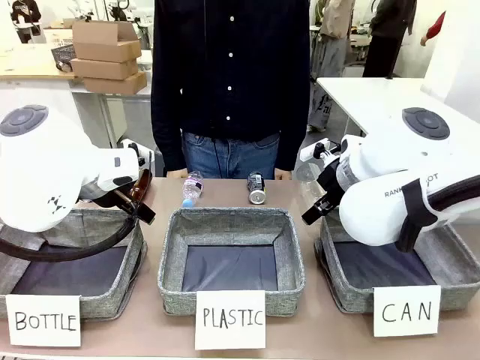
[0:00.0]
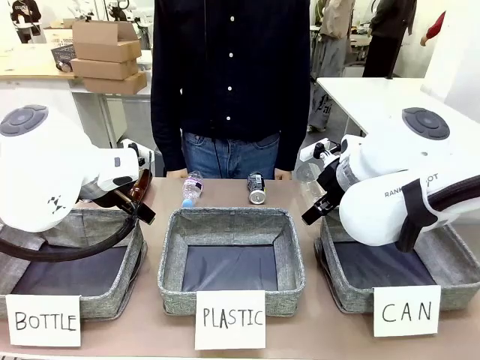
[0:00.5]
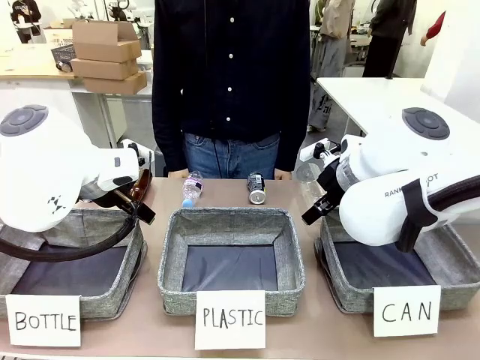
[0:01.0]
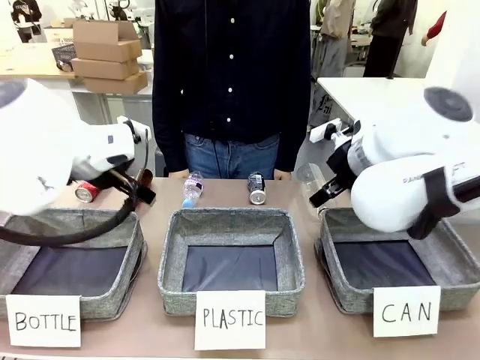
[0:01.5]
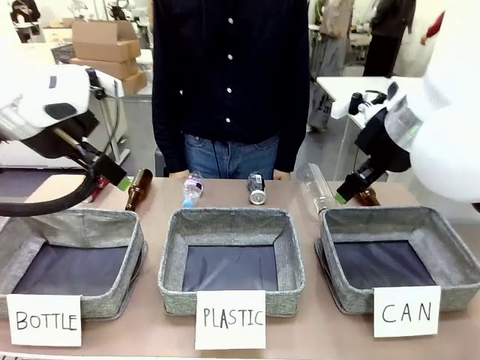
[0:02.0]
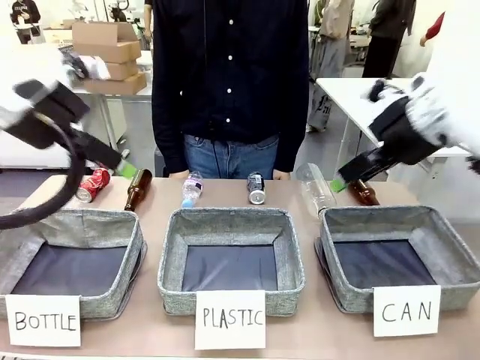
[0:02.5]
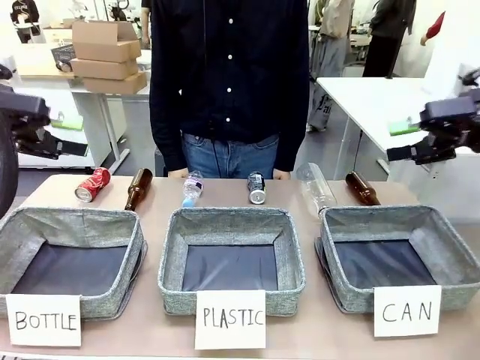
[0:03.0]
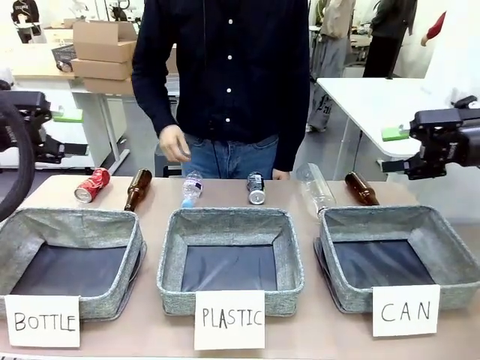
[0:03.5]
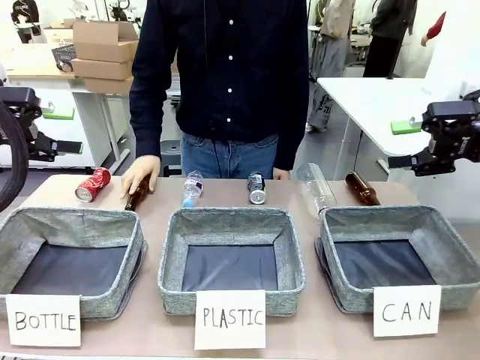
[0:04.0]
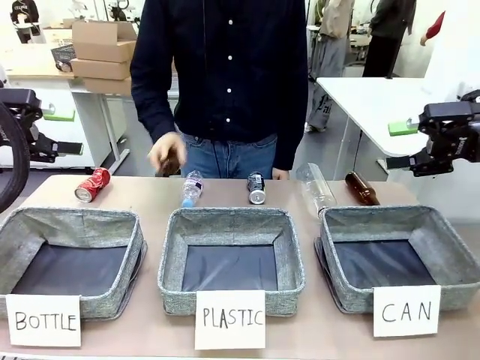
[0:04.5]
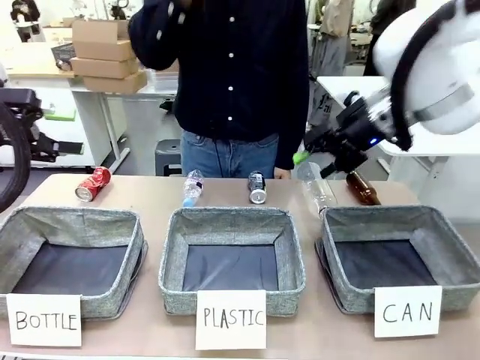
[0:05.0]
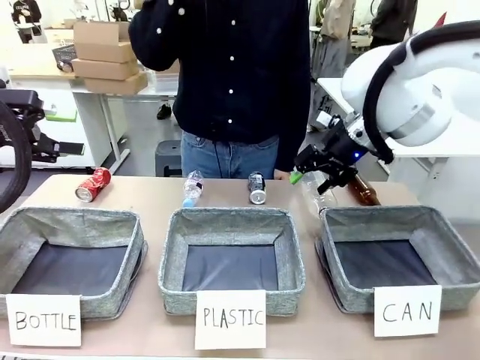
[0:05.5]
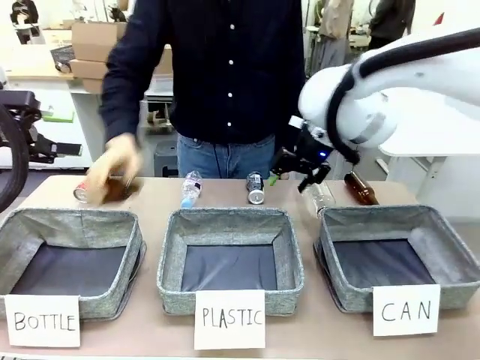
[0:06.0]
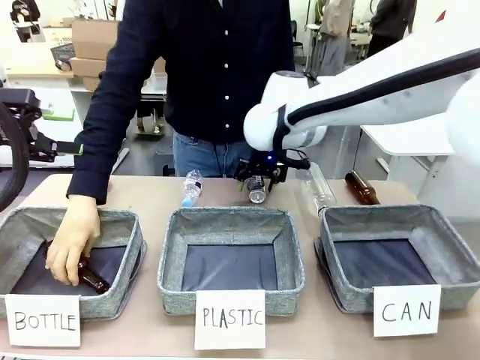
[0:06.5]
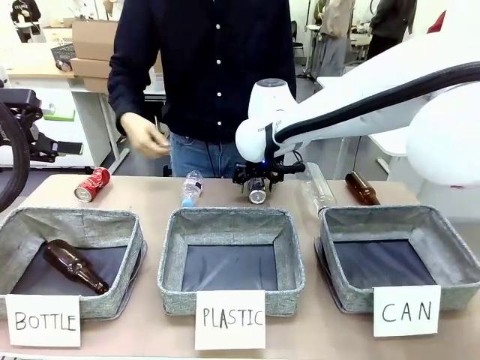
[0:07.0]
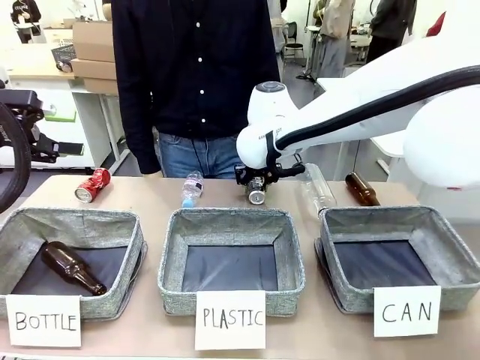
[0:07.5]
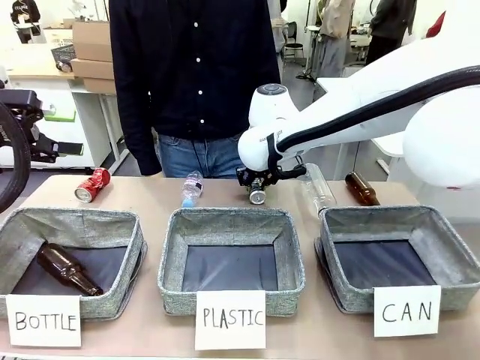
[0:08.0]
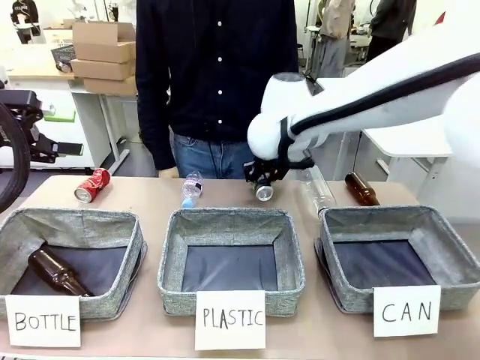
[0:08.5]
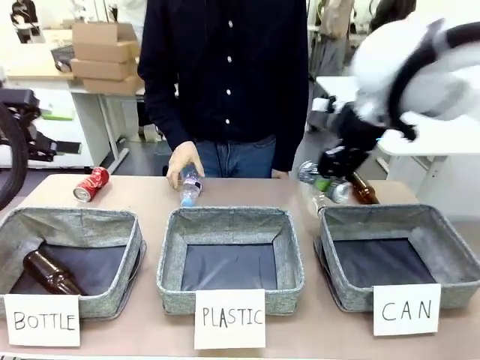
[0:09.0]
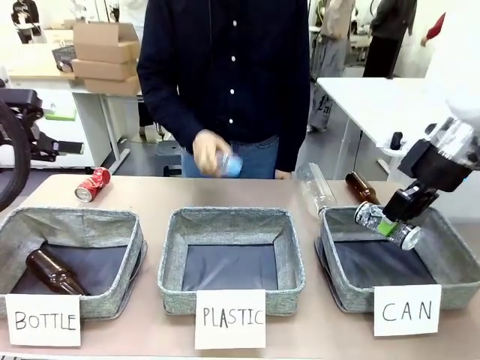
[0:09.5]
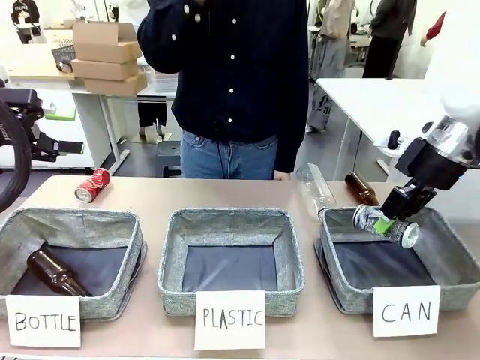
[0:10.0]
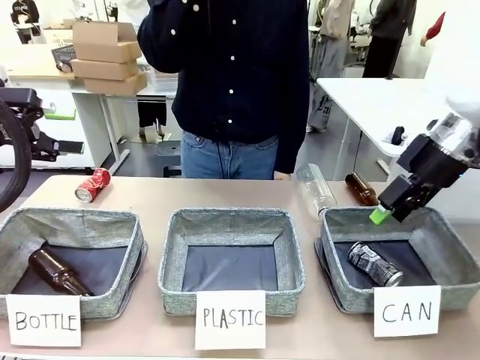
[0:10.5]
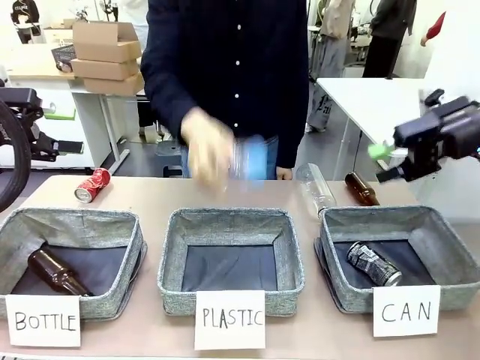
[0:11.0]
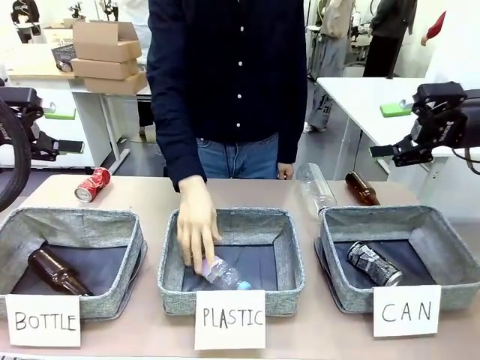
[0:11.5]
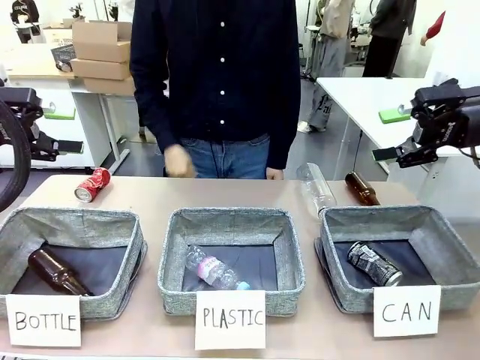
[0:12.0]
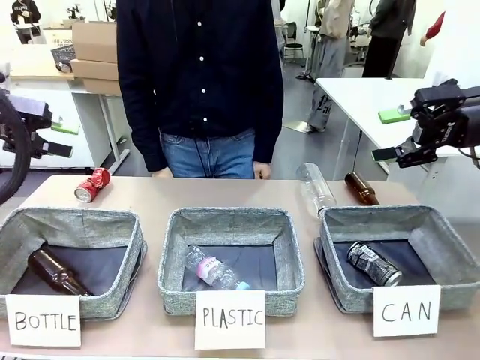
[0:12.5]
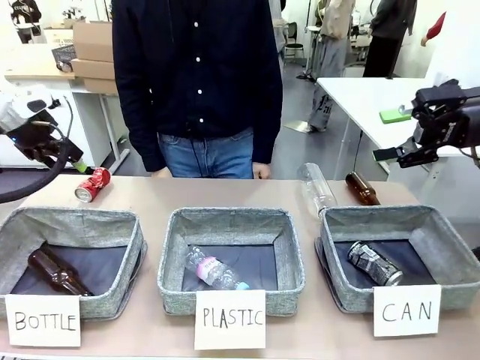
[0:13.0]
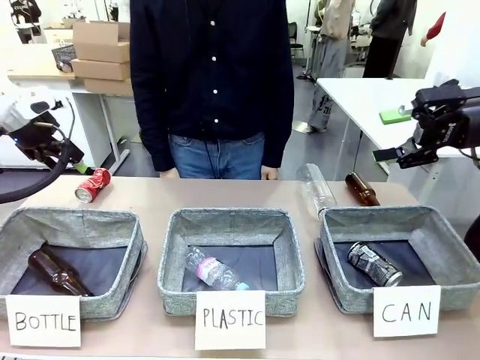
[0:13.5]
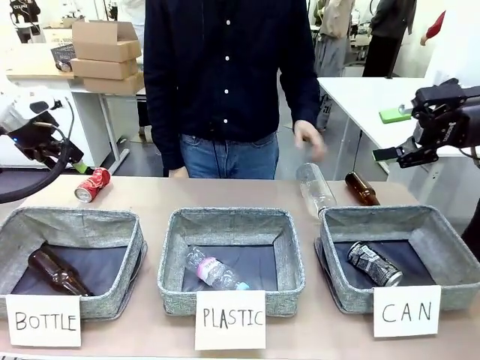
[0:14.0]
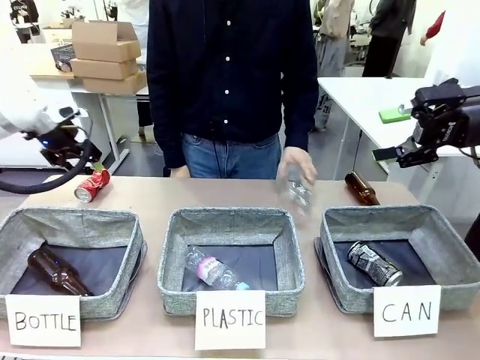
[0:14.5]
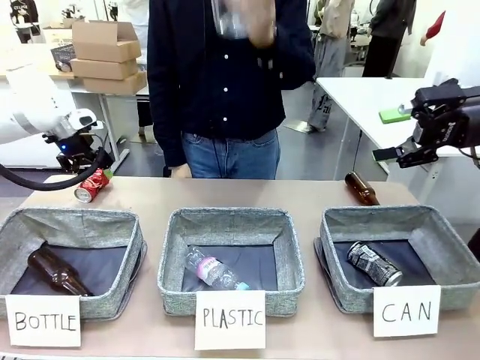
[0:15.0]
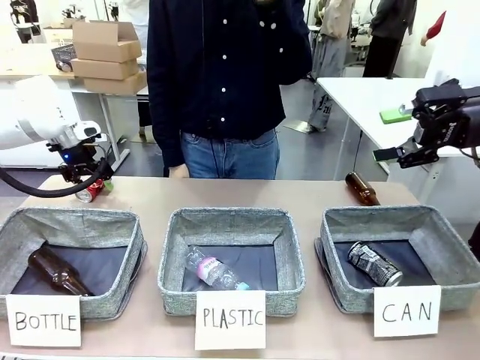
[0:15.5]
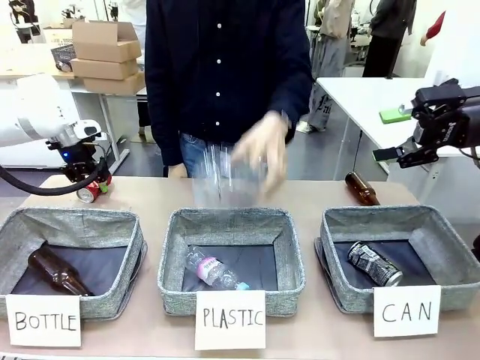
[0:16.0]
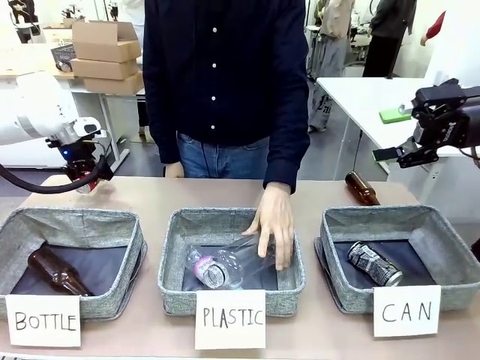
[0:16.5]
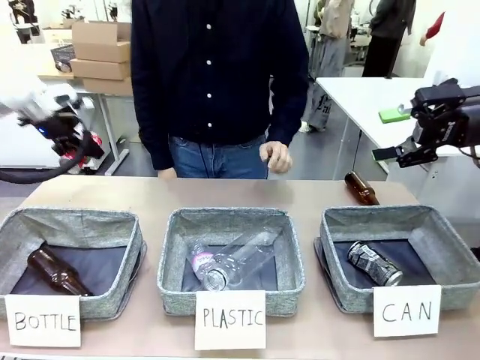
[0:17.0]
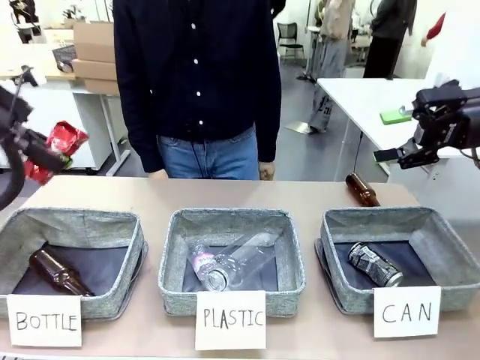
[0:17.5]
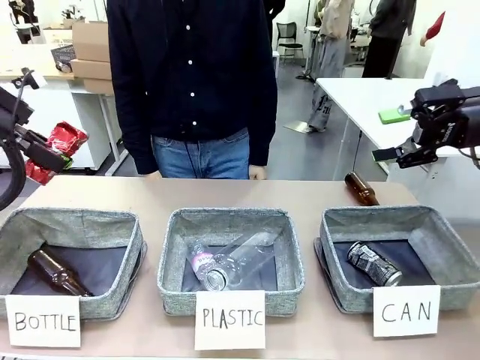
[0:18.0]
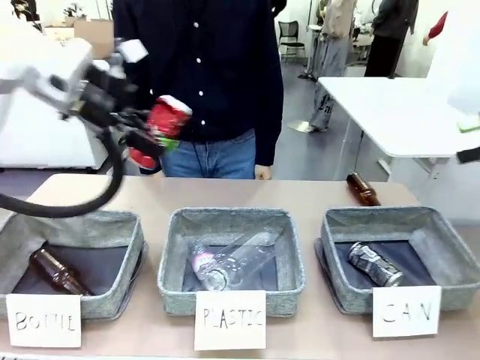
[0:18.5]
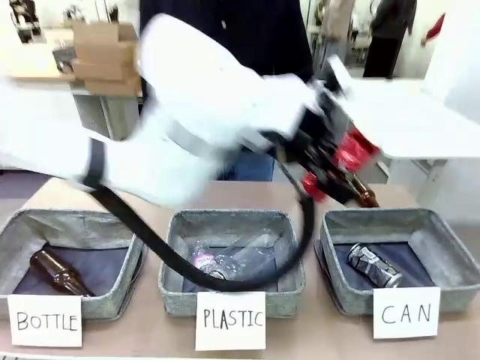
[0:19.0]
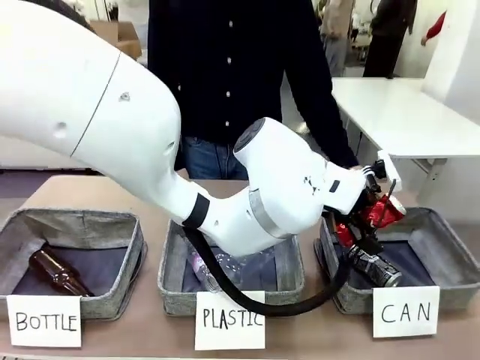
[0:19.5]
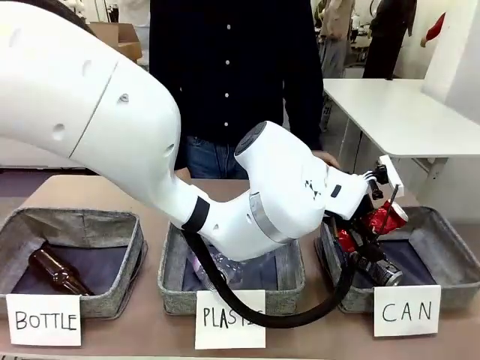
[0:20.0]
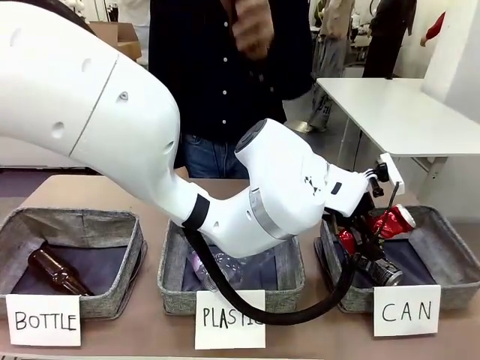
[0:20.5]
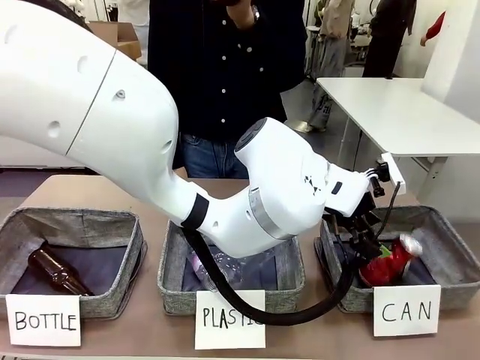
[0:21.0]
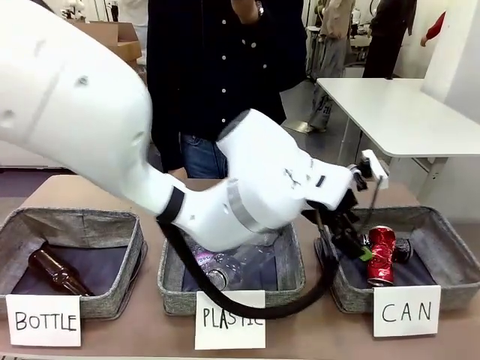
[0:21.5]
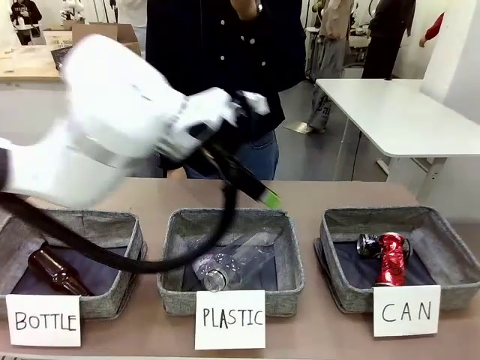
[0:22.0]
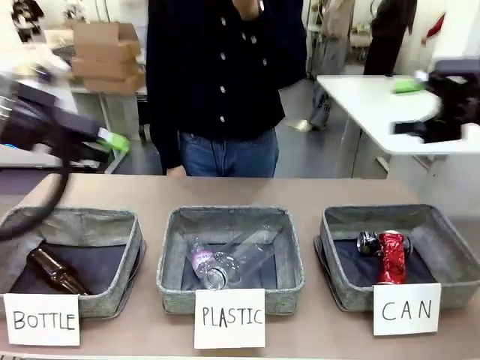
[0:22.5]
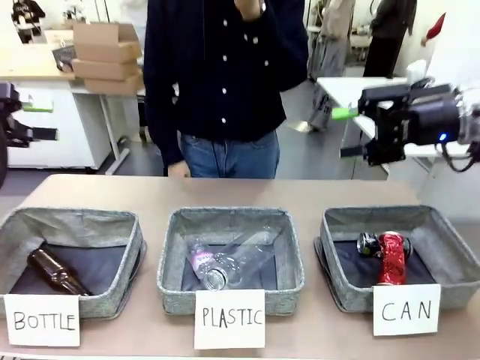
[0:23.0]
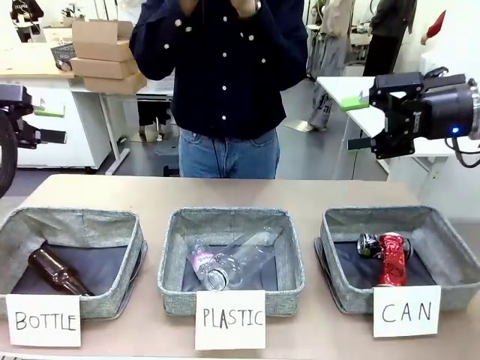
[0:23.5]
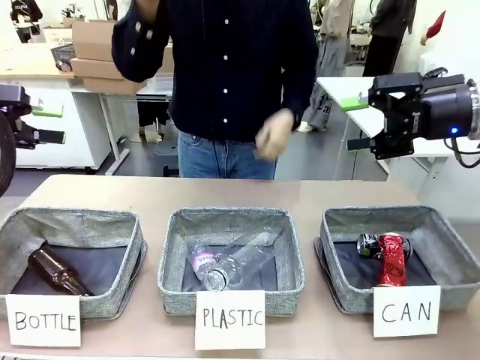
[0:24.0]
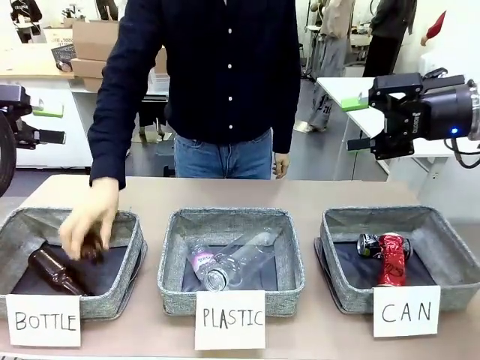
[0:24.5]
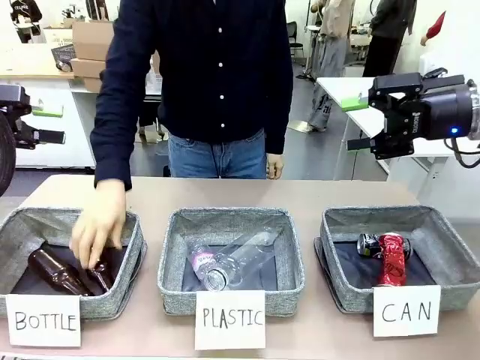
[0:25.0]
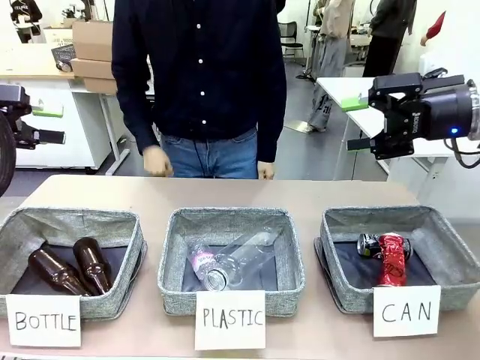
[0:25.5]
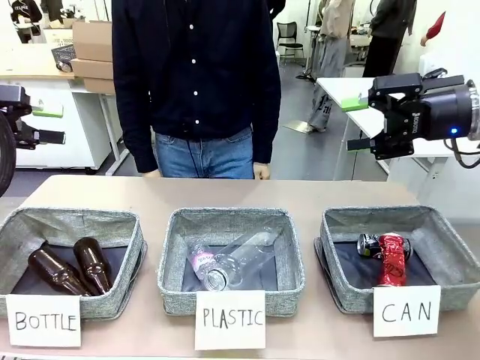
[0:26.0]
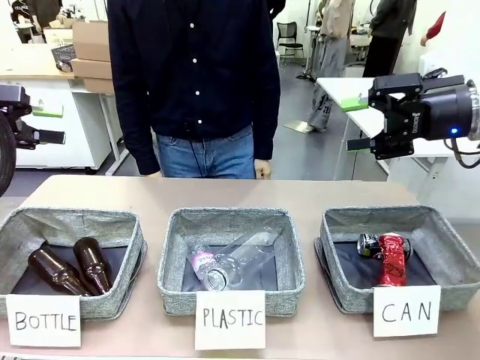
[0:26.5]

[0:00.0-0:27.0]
Task: Sort the can waste into the basket.
Robot: Pick up the can waste from the table and place it in the right Fabric basket.
Person: The human picks up one piece of trash that is not a can and places the trash into the appropriate organizing basket.
